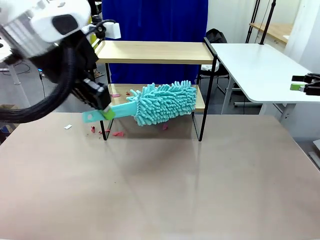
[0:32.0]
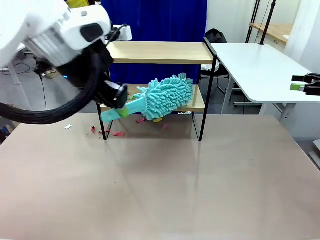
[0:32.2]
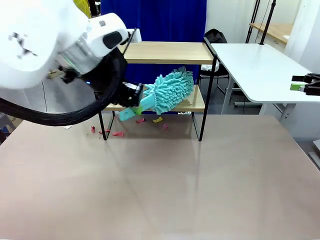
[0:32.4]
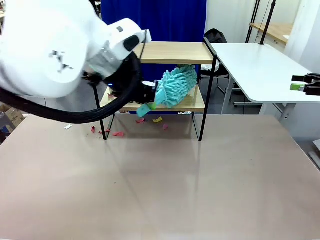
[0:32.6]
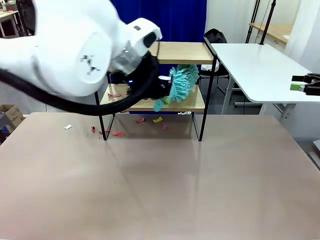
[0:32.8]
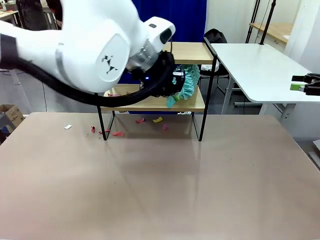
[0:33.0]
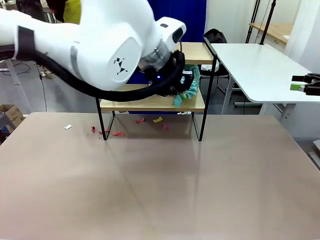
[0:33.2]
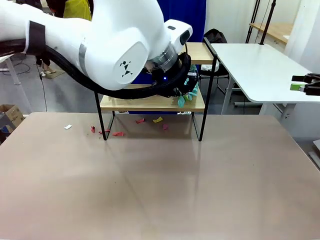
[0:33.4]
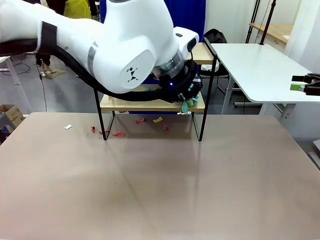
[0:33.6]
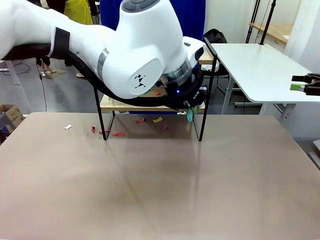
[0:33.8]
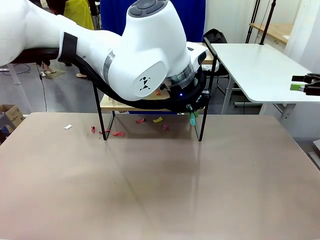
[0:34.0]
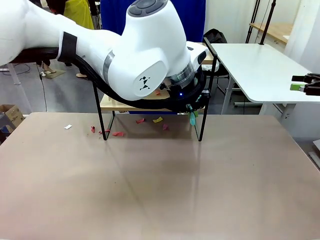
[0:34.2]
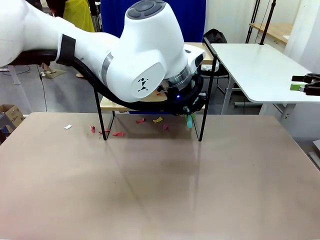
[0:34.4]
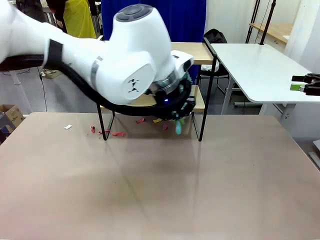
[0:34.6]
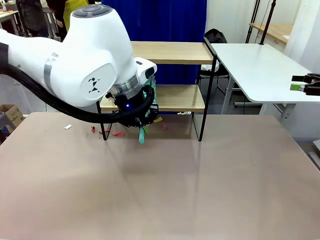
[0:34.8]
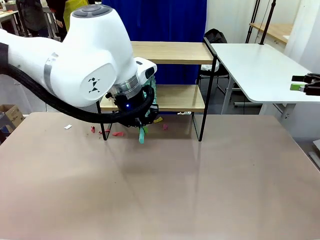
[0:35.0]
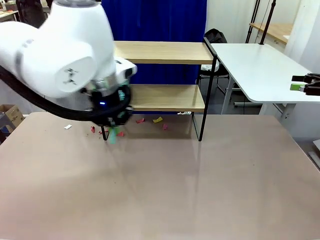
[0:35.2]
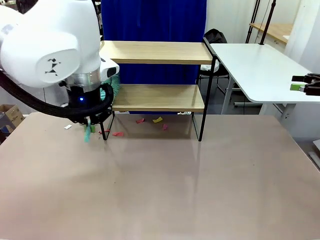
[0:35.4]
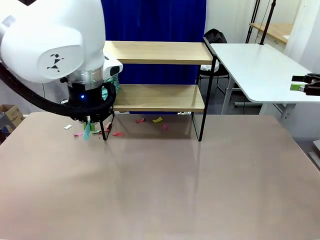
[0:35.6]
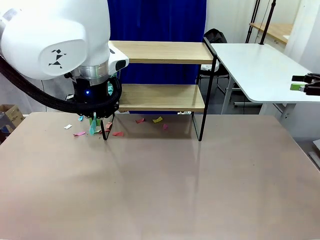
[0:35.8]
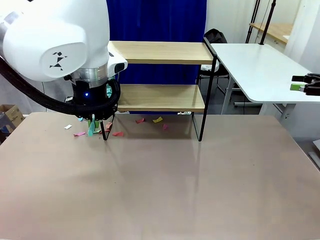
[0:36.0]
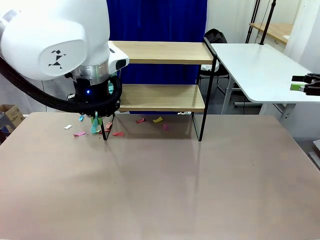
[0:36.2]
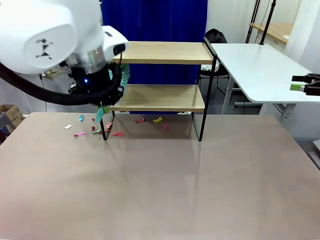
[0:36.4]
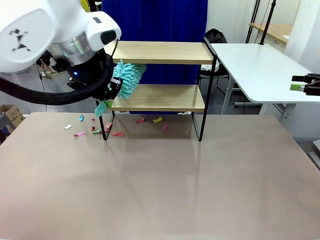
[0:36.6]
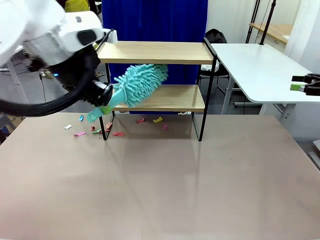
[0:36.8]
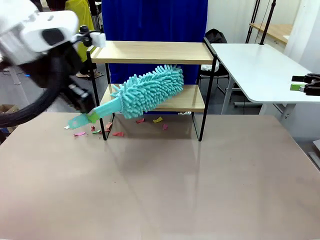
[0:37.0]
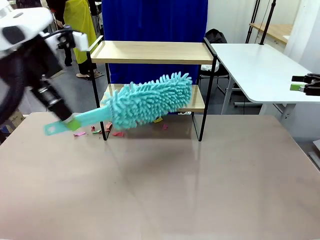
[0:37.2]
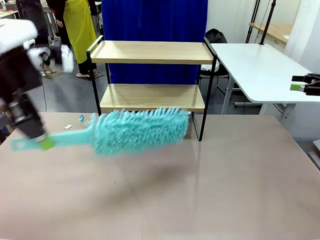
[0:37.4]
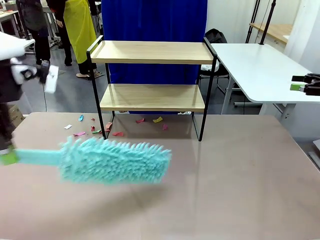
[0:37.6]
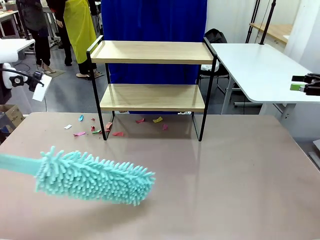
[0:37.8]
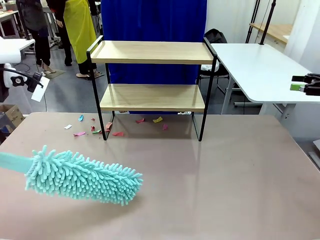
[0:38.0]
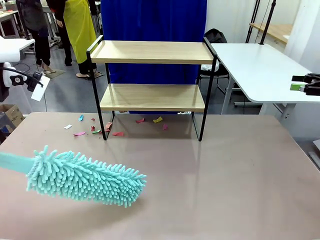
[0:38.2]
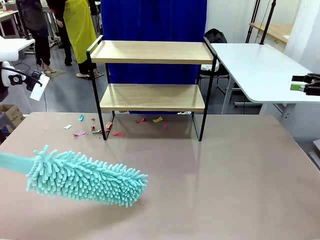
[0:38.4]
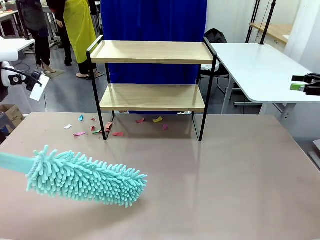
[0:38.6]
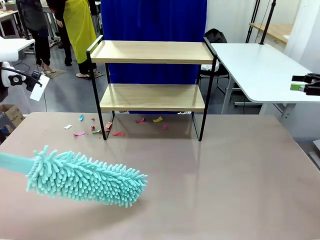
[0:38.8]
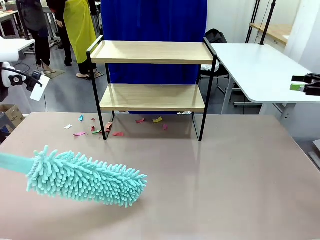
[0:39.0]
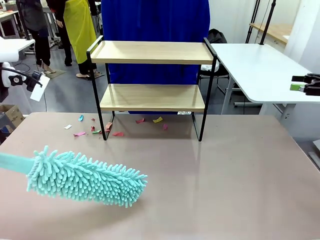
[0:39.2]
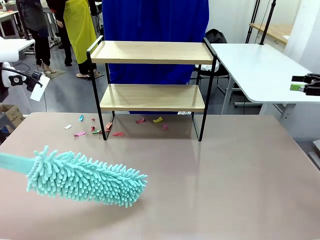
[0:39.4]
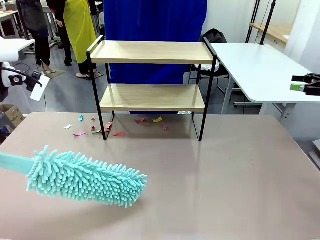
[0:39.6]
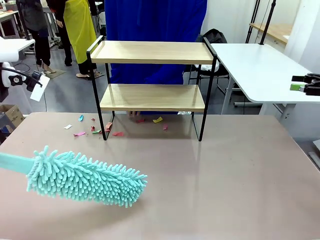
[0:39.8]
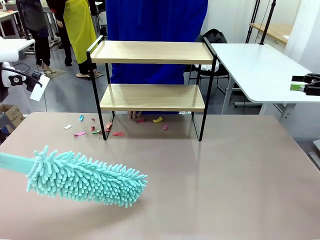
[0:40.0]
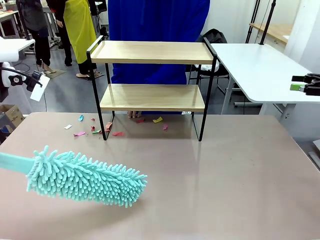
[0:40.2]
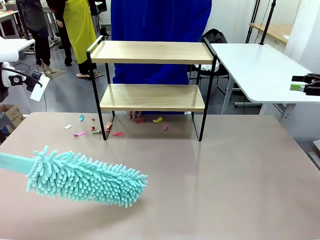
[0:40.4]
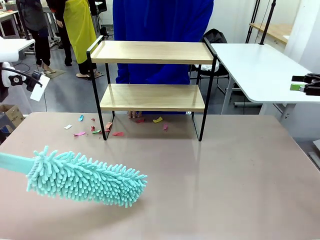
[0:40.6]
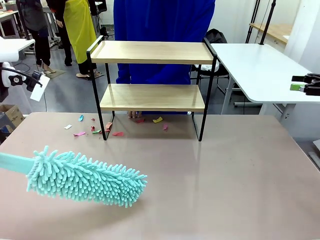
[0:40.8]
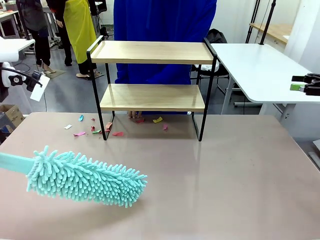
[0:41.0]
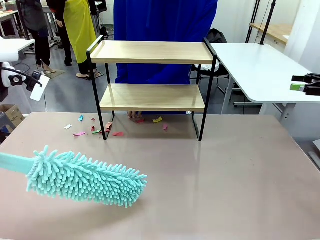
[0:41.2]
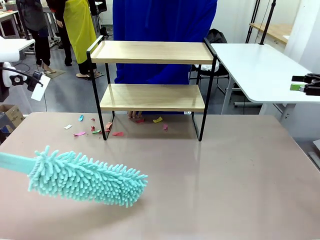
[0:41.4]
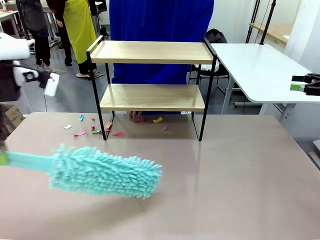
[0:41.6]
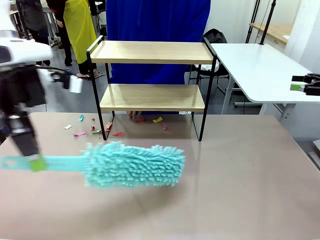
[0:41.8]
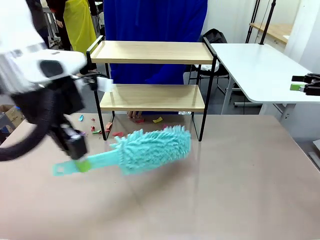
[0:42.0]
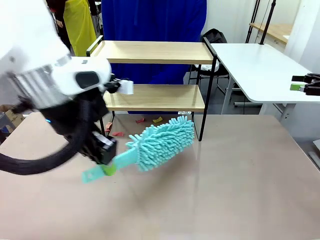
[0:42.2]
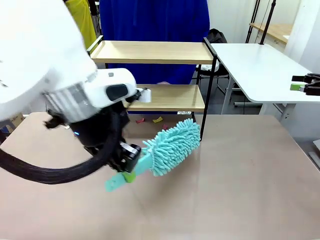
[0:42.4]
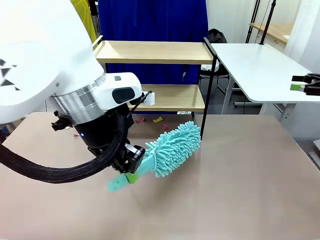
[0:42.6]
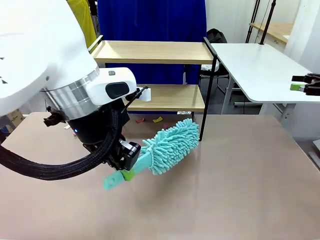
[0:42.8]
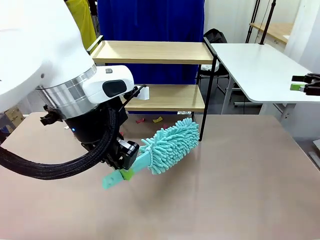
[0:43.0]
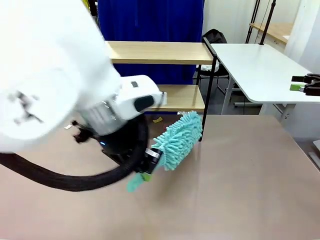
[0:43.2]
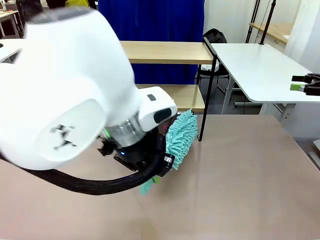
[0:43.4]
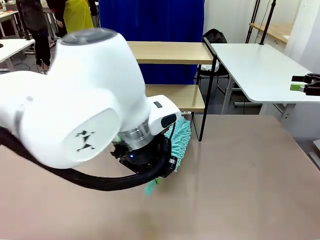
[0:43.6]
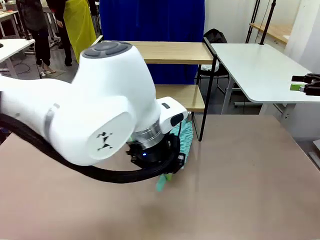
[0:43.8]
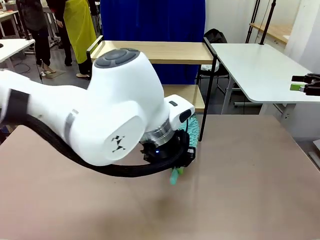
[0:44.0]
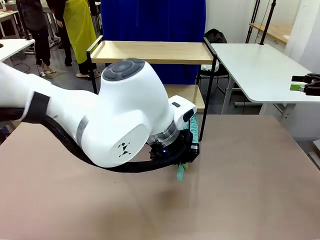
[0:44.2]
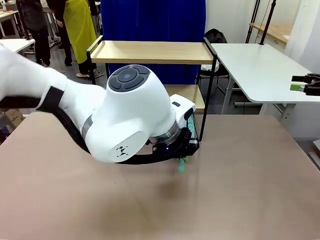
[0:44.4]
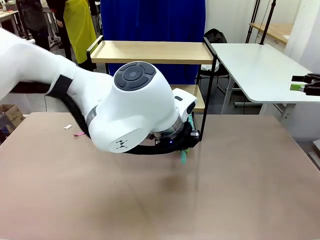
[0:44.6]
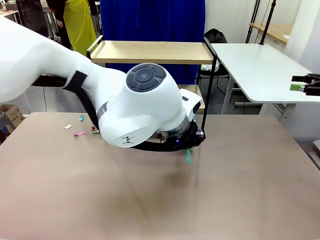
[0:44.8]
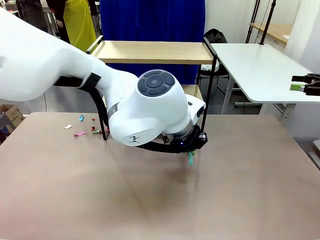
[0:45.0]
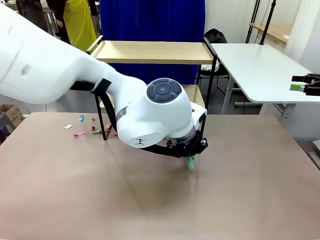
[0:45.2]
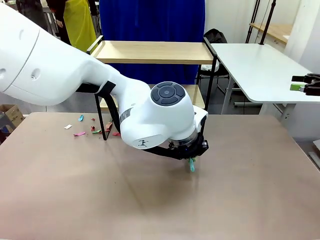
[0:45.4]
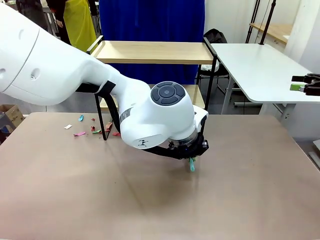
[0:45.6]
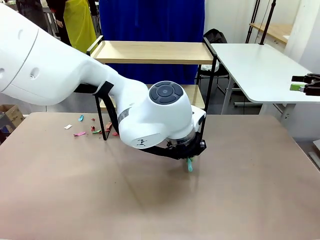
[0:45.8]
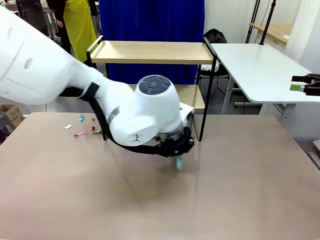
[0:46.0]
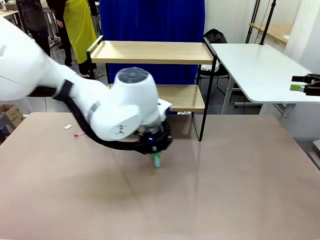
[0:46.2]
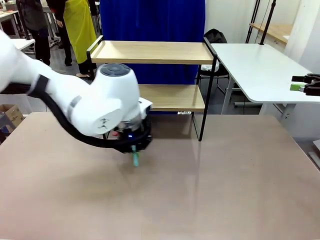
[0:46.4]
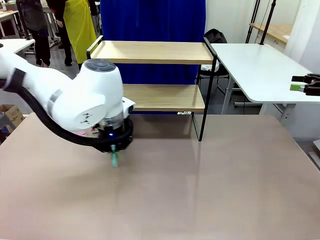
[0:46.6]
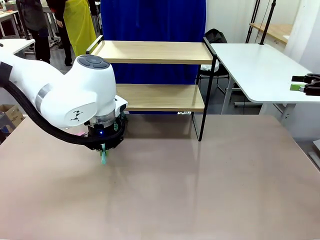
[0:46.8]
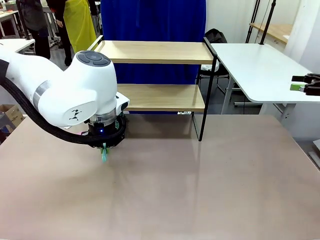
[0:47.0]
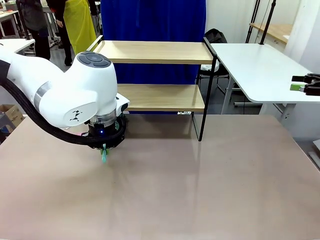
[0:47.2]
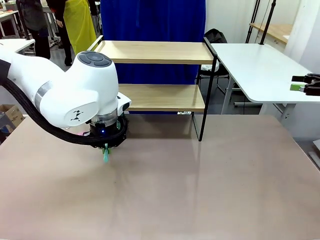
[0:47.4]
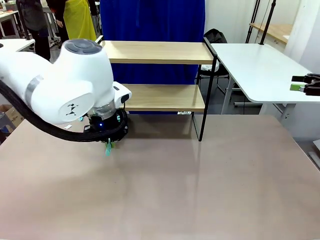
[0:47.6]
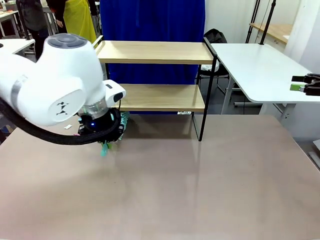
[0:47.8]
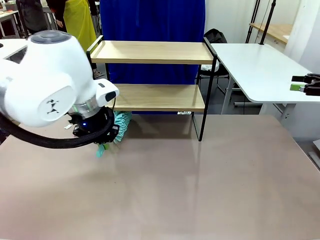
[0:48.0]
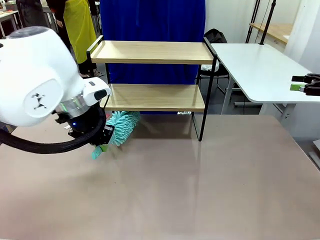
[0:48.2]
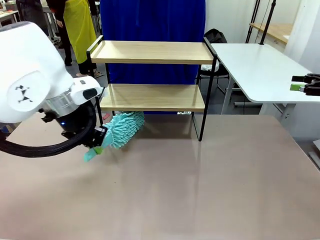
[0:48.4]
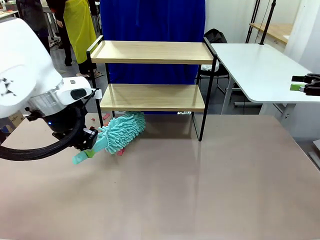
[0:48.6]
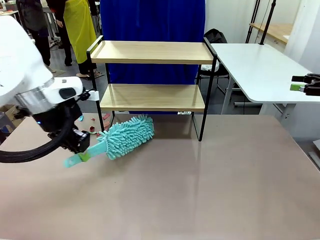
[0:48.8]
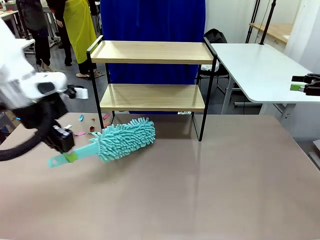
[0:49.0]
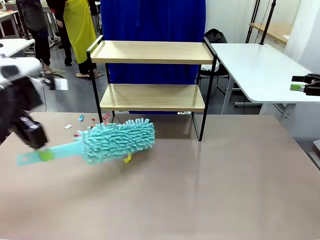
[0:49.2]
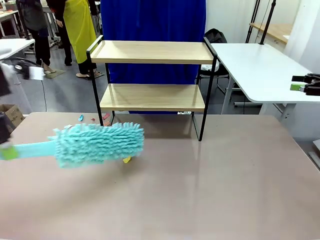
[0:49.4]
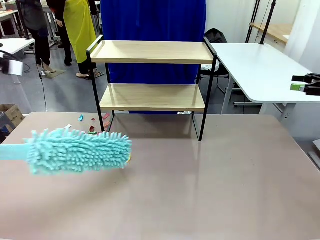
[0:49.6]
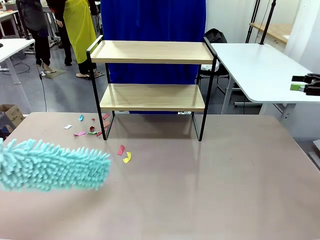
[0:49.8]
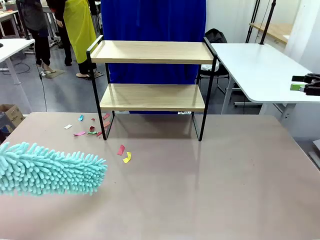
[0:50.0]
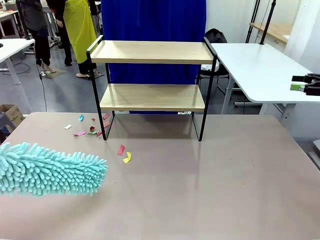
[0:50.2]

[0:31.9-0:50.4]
Task: Clean the shelf.
Robot: Clean the specific section of the Shelf indicated by the human with the Duster.
Person: Point a remaining section of the Shelf.
